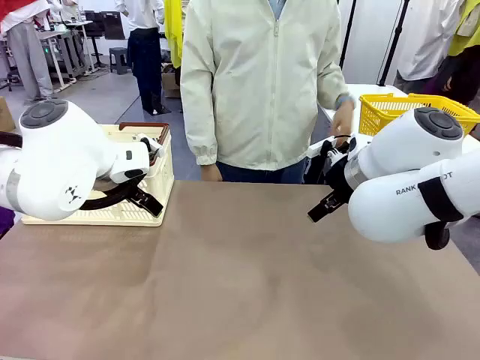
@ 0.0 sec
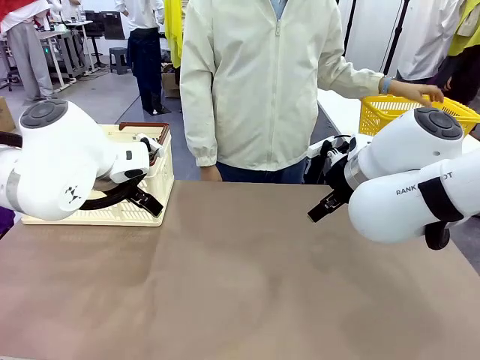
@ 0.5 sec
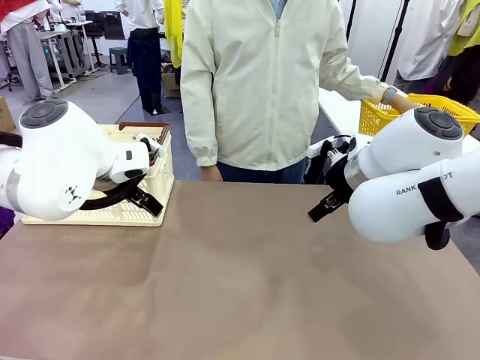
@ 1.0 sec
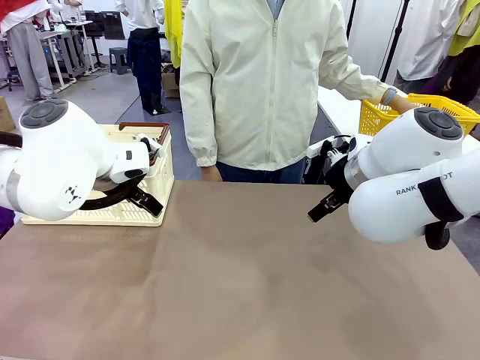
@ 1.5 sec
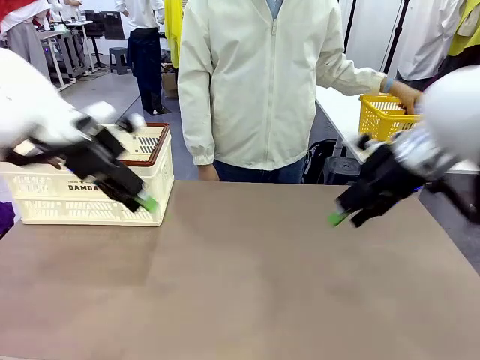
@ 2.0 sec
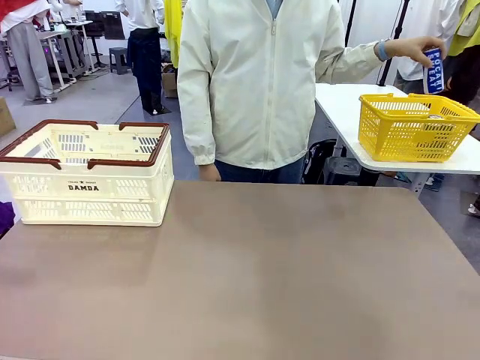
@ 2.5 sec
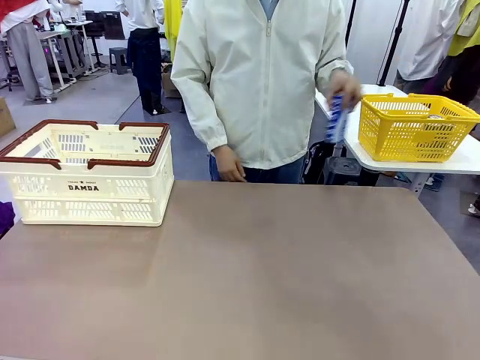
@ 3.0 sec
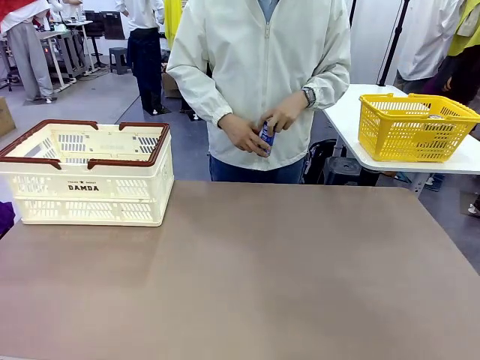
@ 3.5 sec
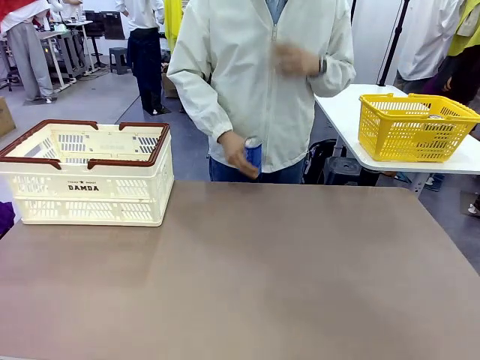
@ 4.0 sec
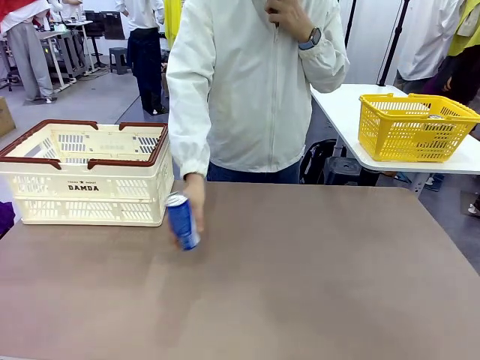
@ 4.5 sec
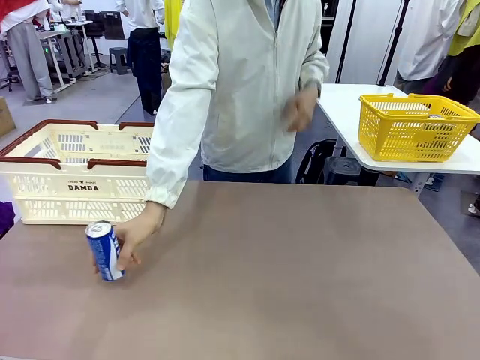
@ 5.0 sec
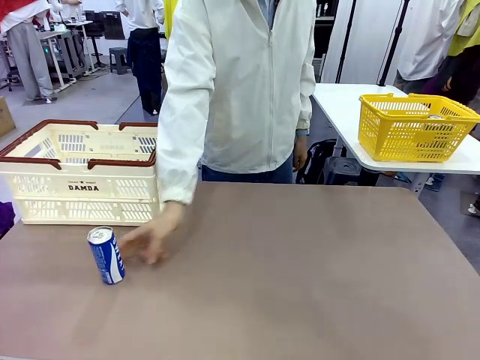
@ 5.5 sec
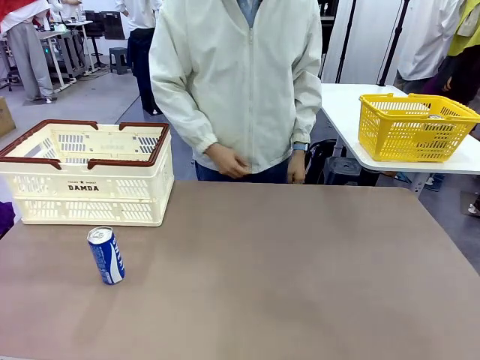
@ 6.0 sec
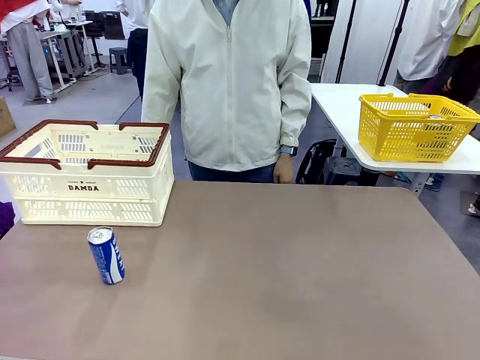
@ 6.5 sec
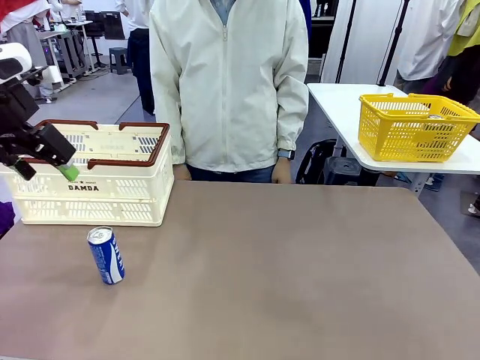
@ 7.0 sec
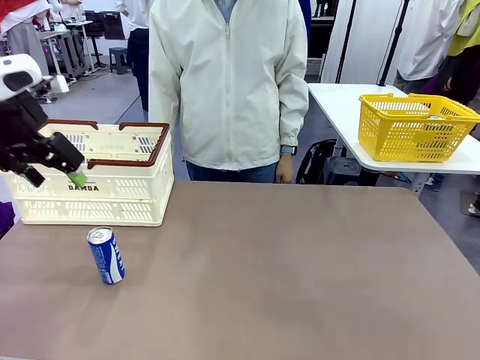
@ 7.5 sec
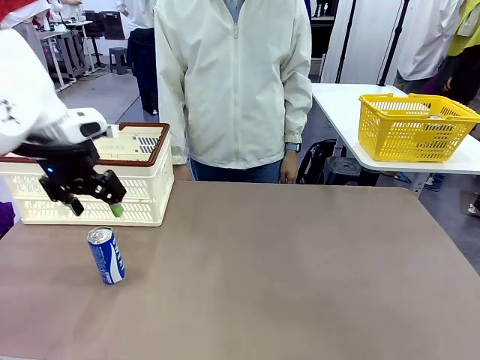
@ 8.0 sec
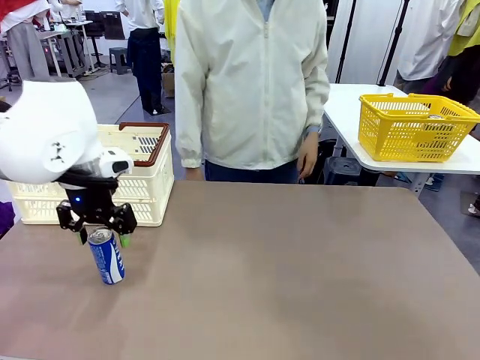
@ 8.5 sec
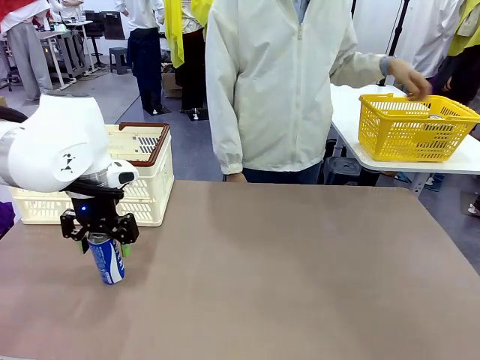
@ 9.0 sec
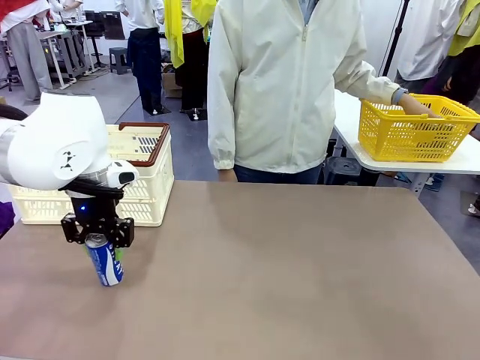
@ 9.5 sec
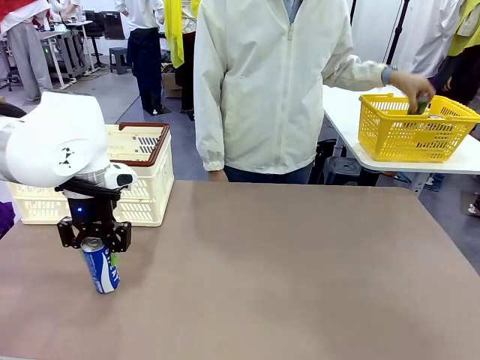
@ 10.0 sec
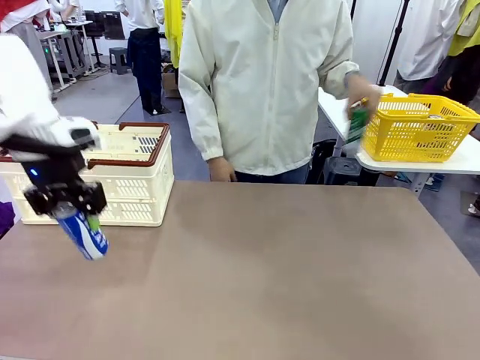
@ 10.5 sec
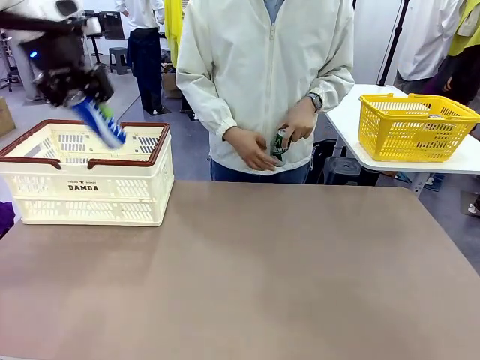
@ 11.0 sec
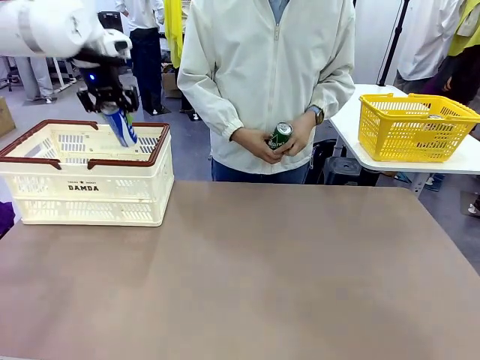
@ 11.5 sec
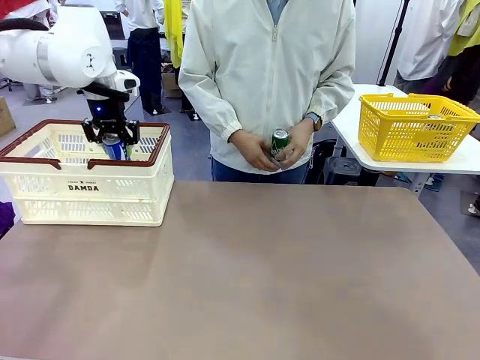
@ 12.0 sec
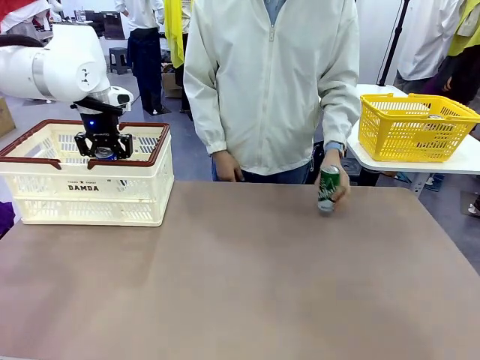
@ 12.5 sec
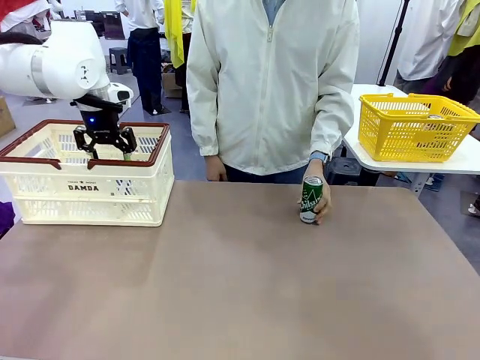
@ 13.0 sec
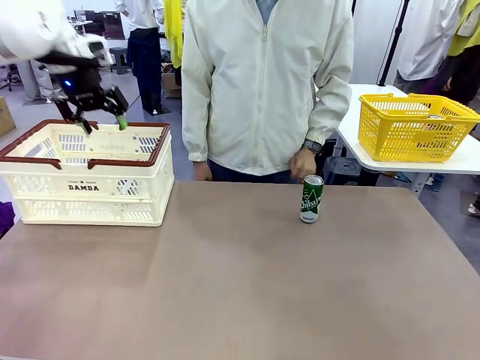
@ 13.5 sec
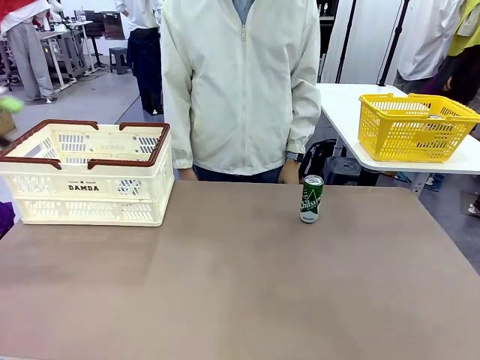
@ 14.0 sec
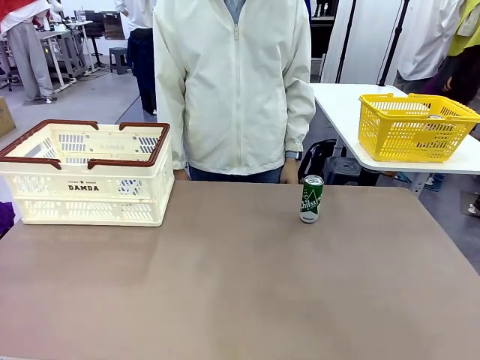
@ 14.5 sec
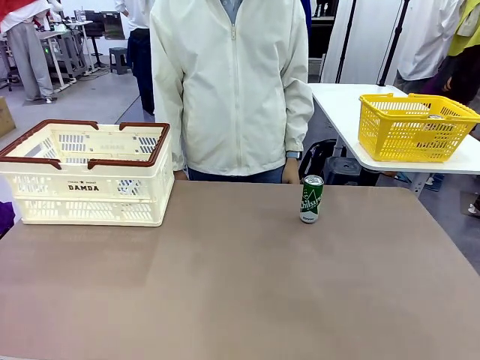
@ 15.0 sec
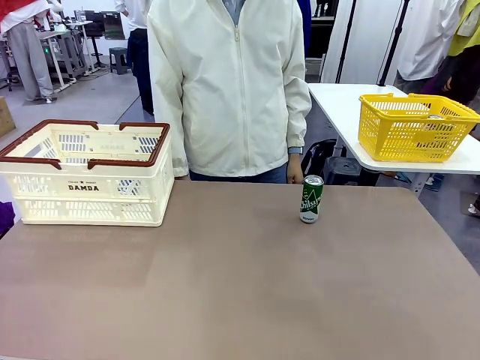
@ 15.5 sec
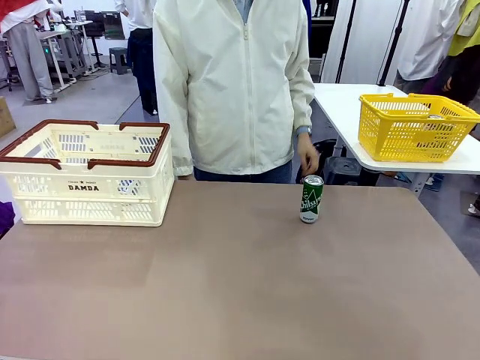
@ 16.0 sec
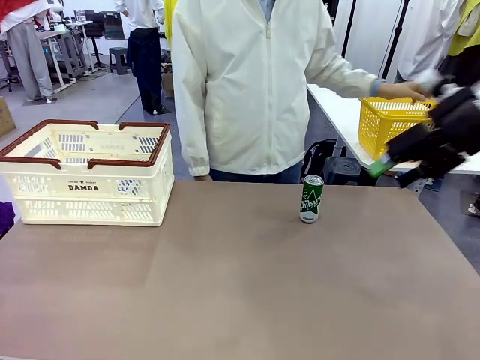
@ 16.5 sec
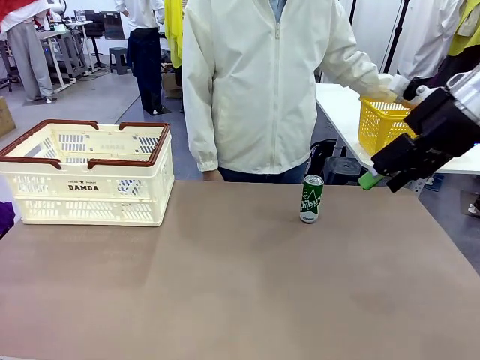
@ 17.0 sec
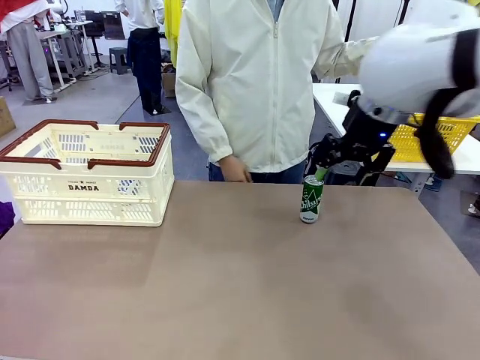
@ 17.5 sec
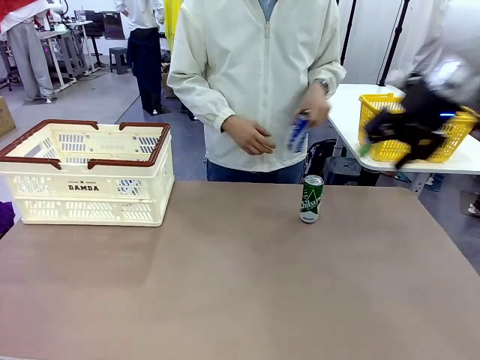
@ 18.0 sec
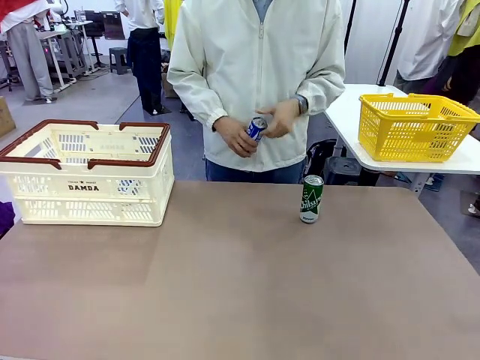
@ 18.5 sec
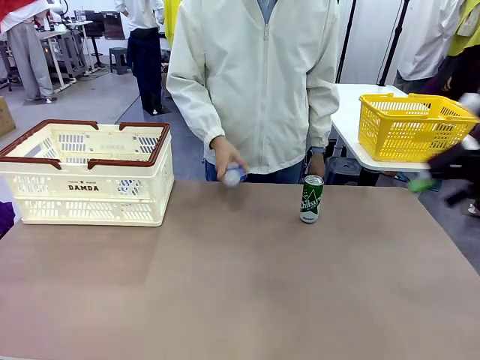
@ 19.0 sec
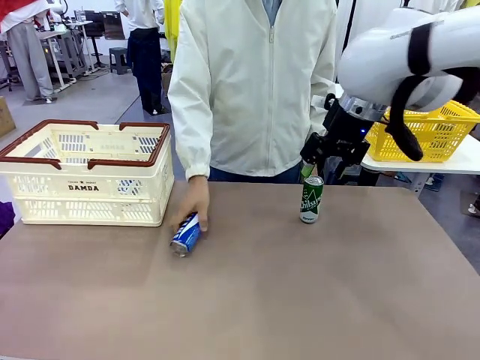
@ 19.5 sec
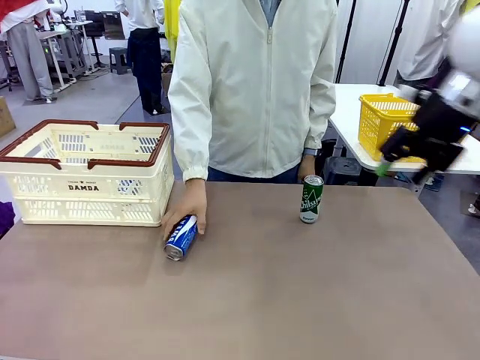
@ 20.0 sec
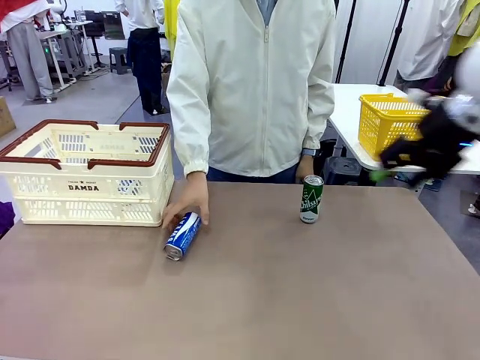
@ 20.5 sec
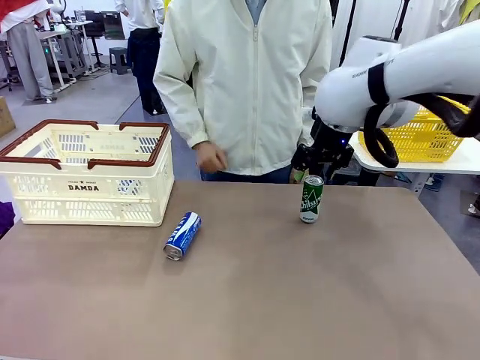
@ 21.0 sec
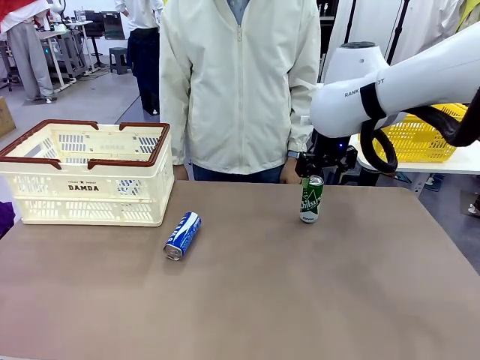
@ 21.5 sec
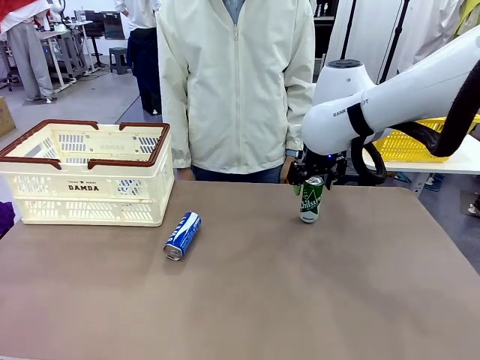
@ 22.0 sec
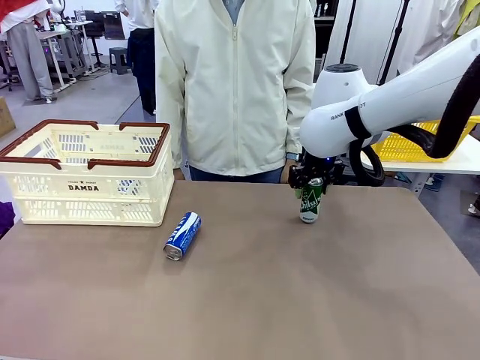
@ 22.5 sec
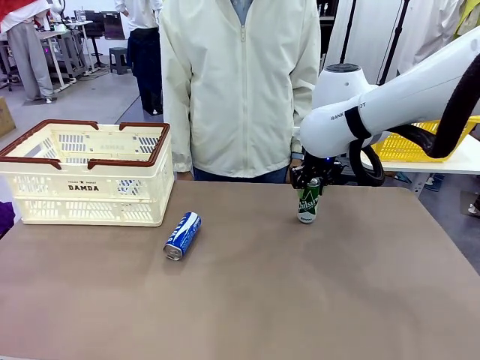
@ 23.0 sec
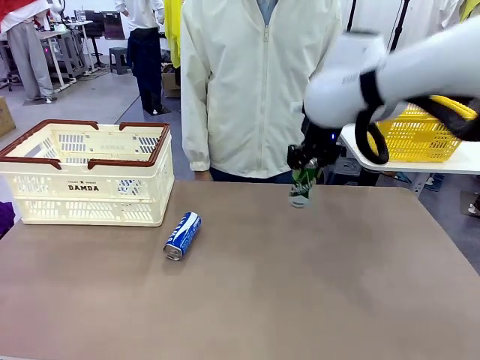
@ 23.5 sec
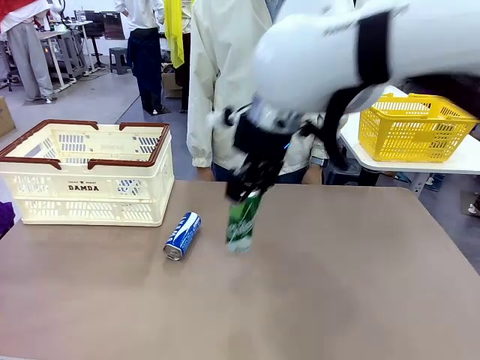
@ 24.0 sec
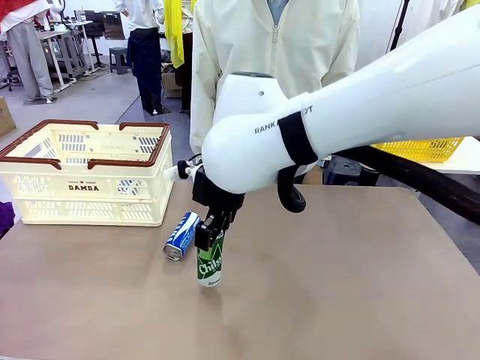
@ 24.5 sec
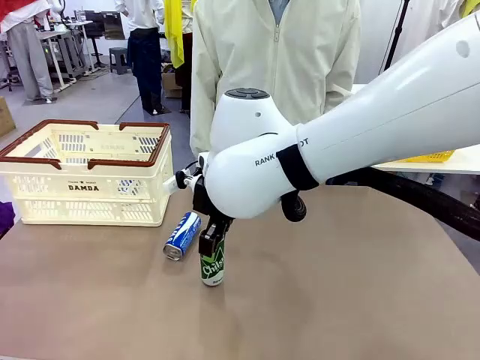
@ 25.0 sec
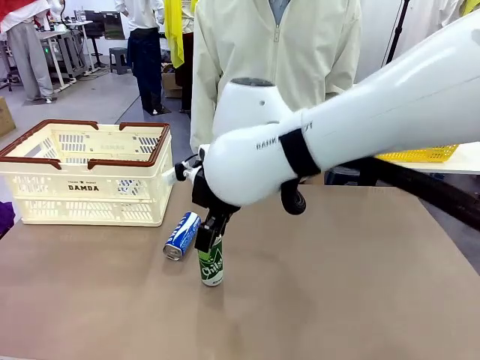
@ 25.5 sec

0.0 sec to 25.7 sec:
Task: Place the drinks into the Shopping basket.
Robot: Pick up one drink and place it into the Shopping basket.
